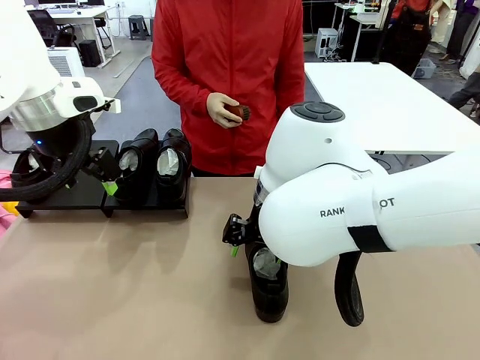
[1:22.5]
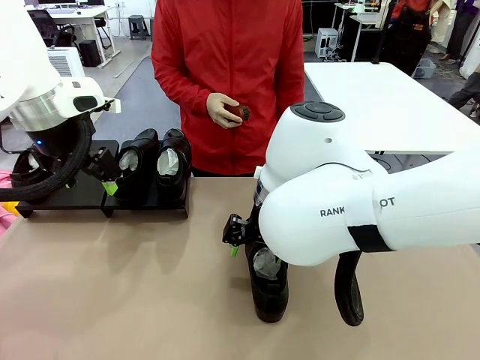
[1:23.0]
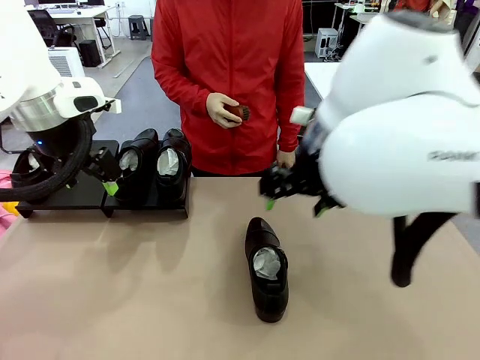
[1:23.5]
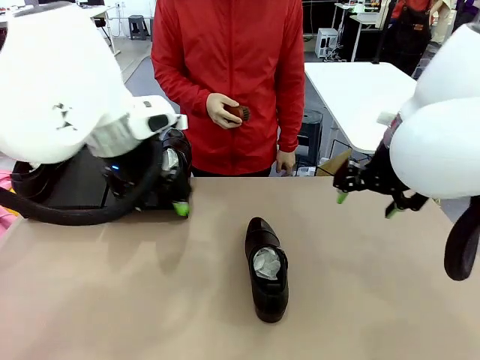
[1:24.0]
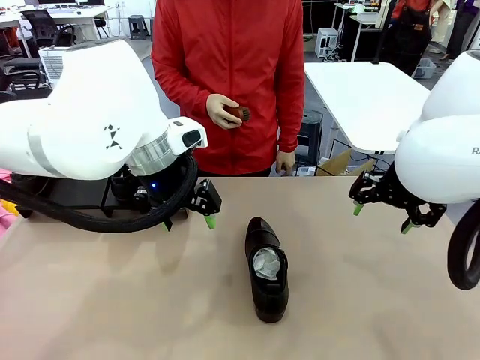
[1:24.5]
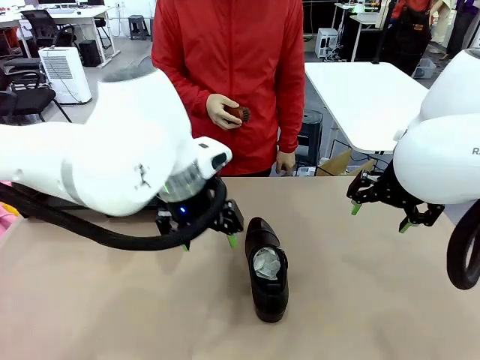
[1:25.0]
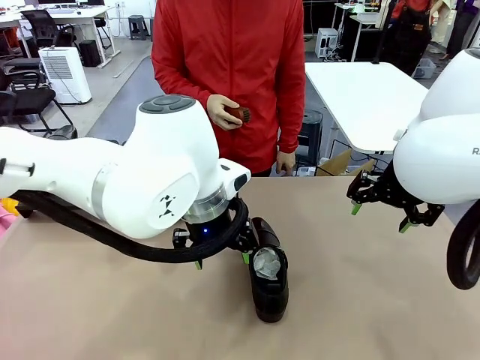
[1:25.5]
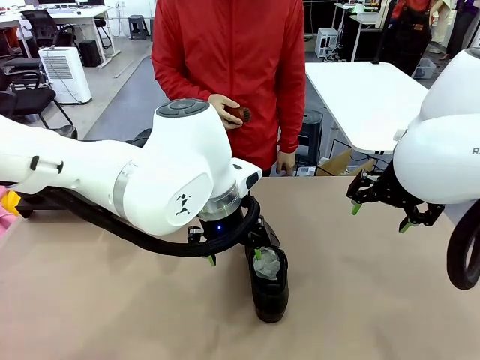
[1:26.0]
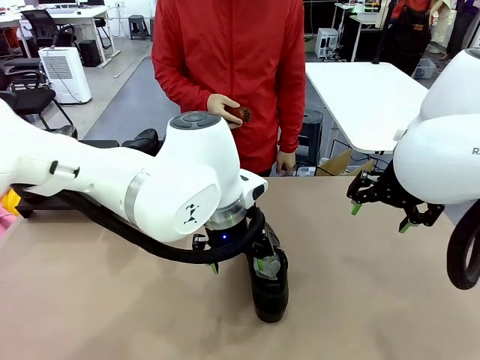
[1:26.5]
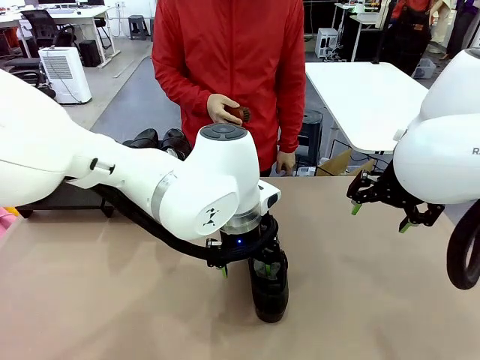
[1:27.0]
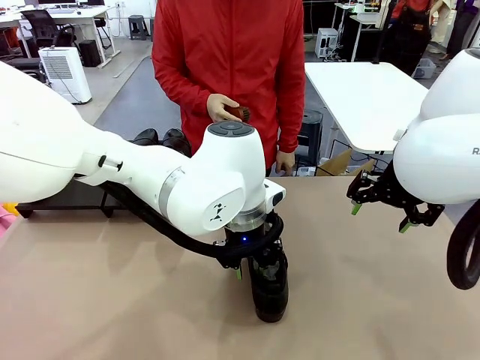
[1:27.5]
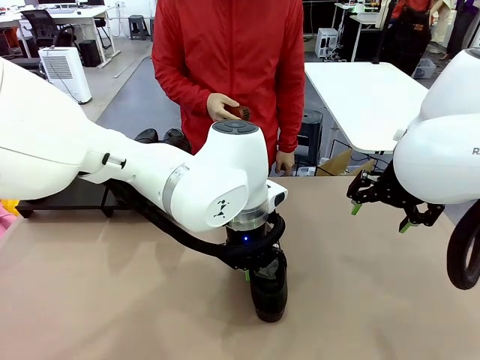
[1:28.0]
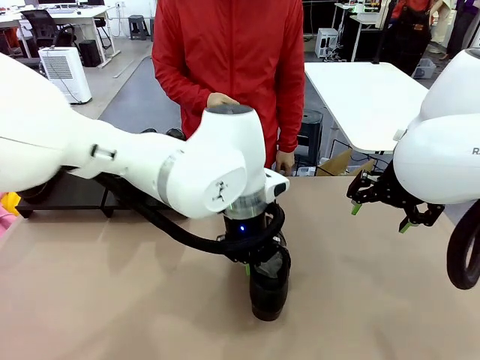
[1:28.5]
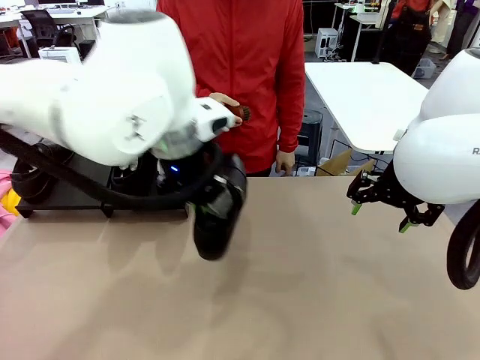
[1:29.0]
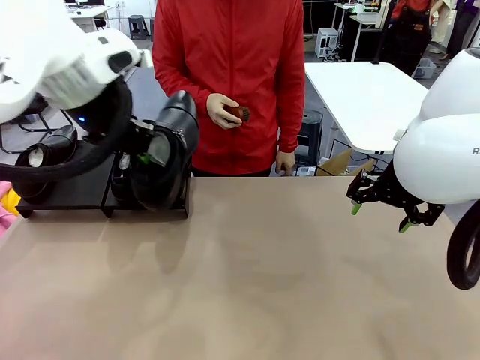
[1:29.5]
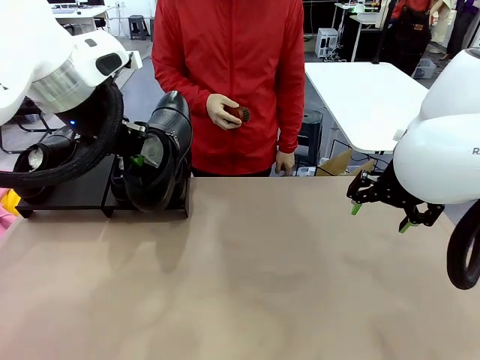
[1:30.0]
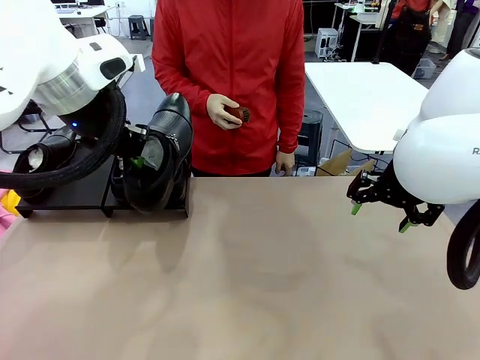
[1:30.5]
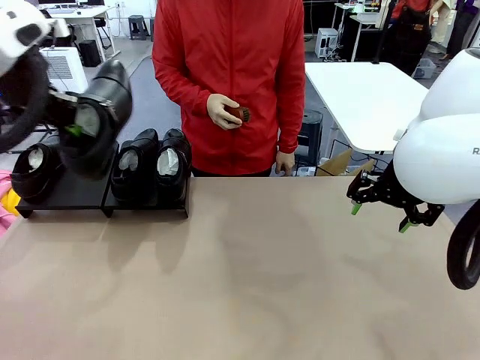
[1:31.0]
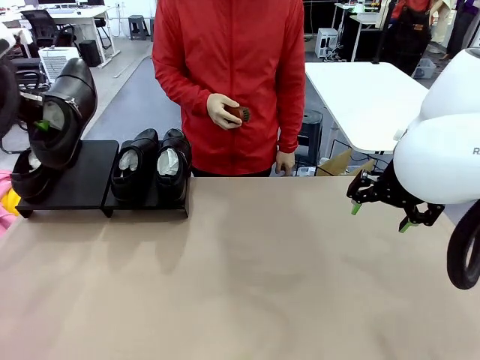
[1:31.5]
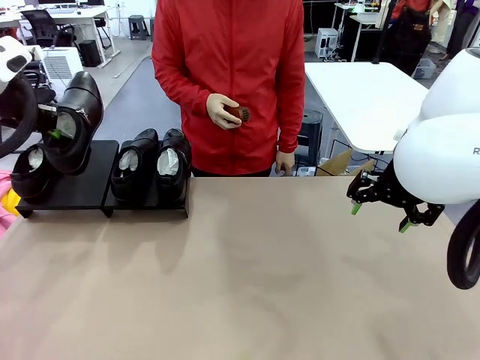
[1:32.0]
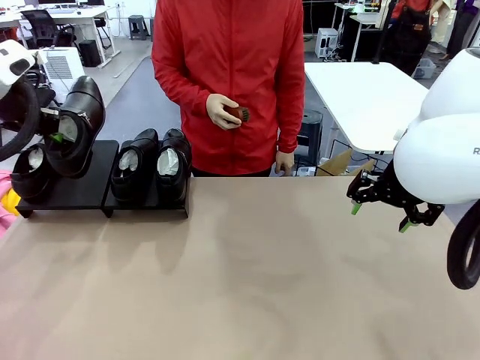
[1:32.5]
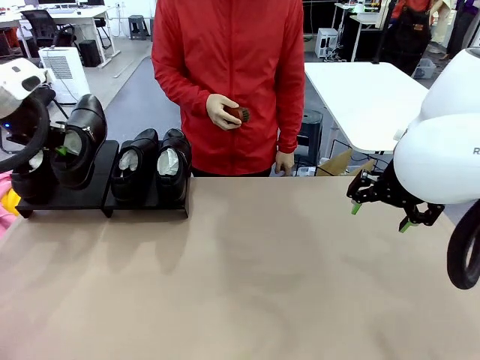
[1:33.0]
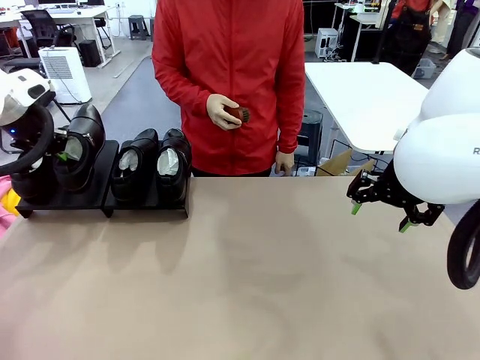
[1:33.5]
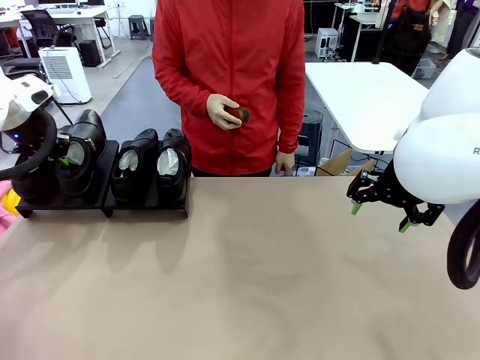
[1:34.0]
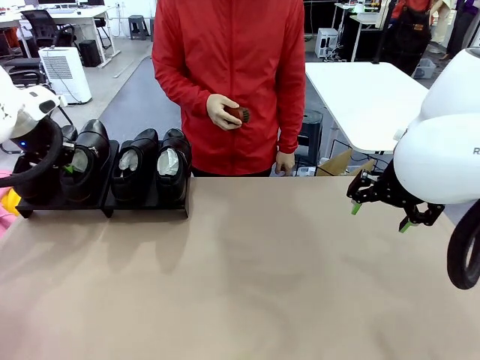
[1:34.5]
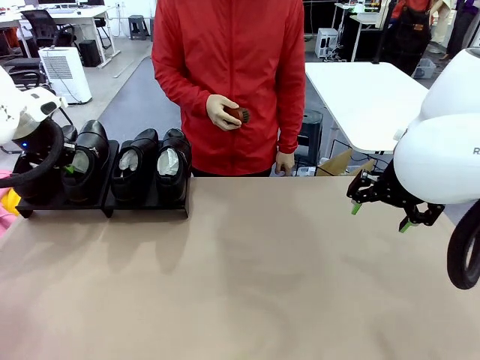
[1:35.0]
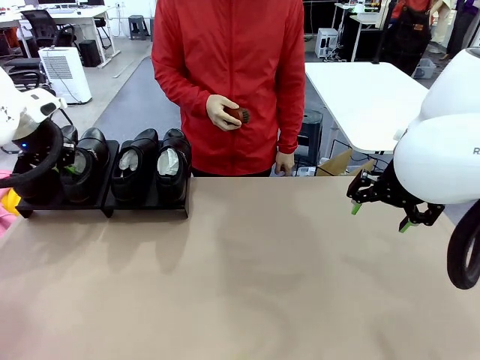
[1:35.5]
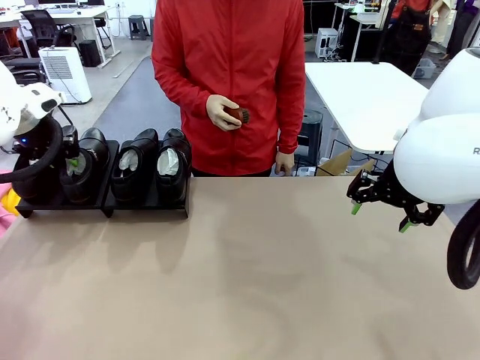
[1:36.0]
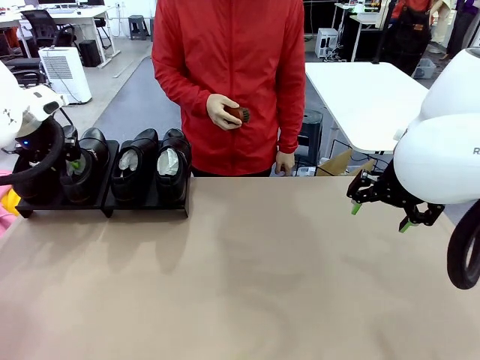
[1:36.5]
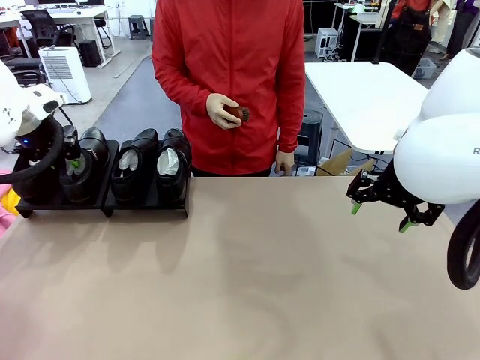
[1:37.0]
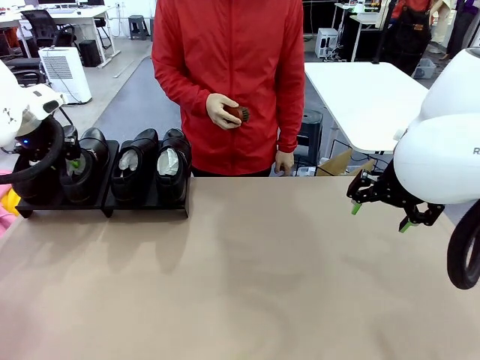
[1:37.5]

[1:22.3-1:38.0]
Task: Organize the shoes by placing them on the stand.
Robot: Place the Shoe from the middle of the table onto the Shoes Stand.

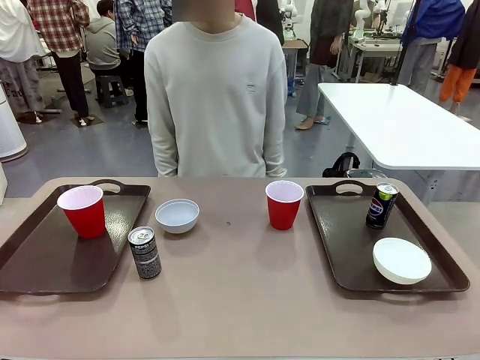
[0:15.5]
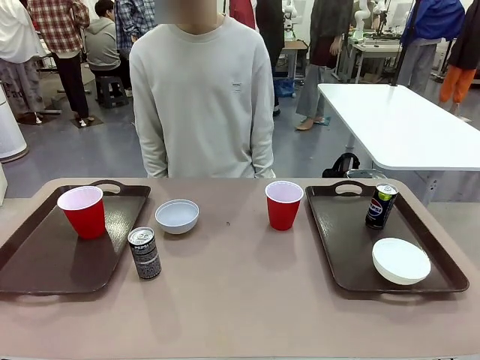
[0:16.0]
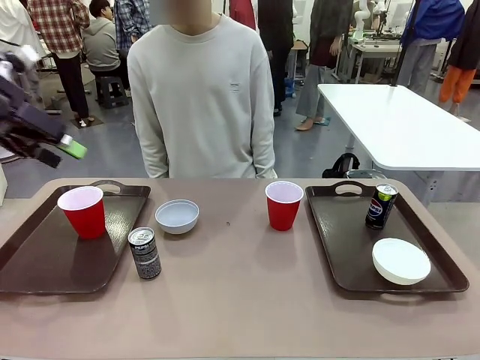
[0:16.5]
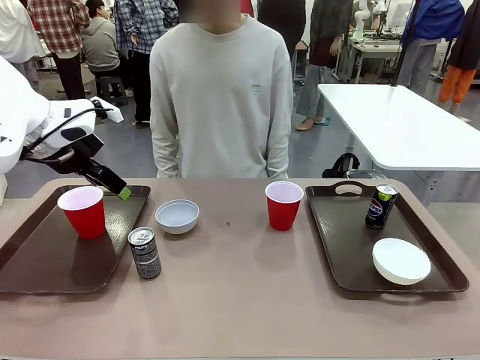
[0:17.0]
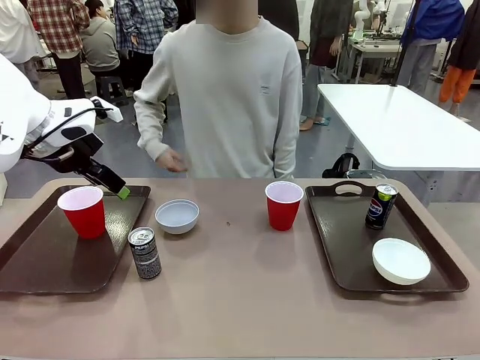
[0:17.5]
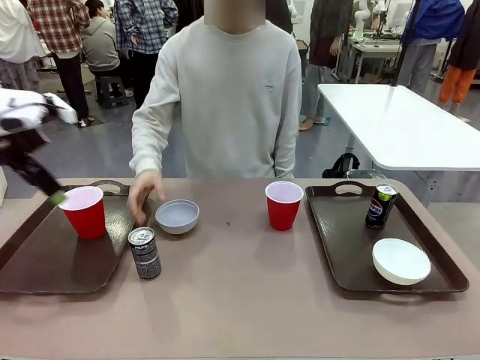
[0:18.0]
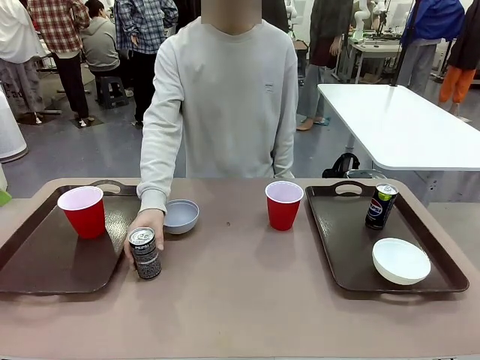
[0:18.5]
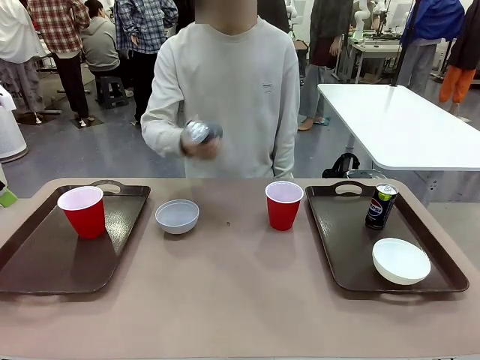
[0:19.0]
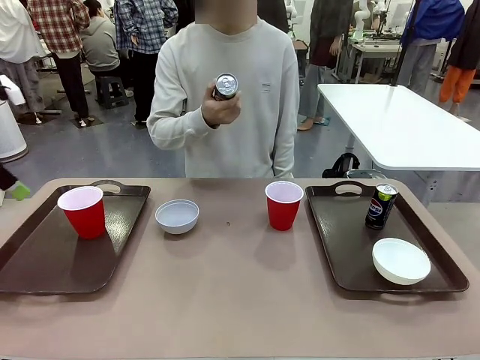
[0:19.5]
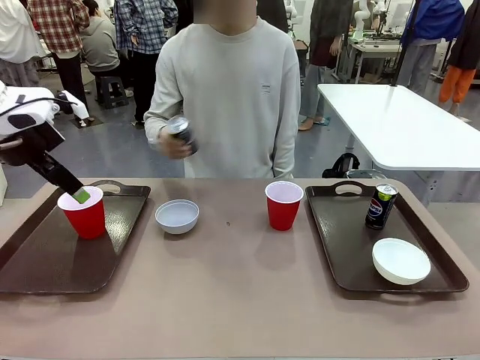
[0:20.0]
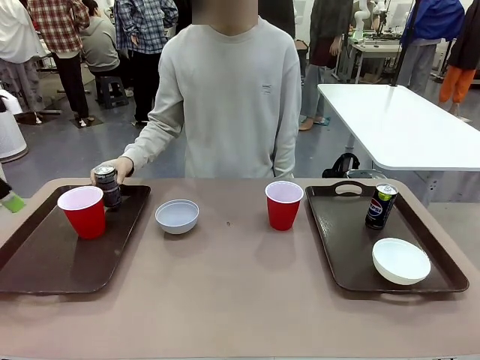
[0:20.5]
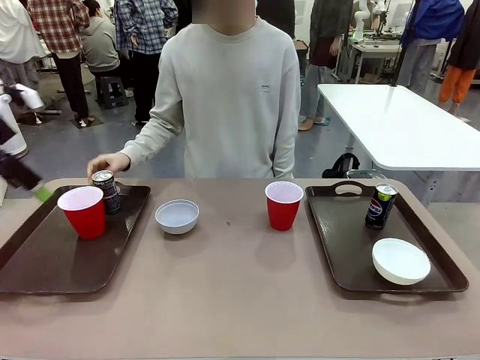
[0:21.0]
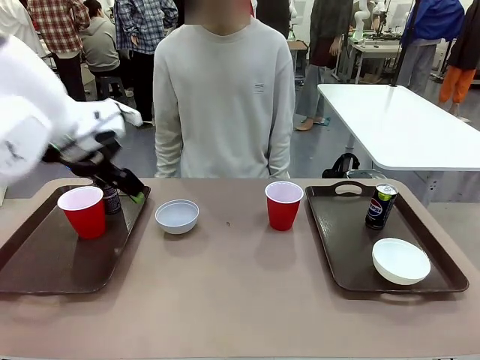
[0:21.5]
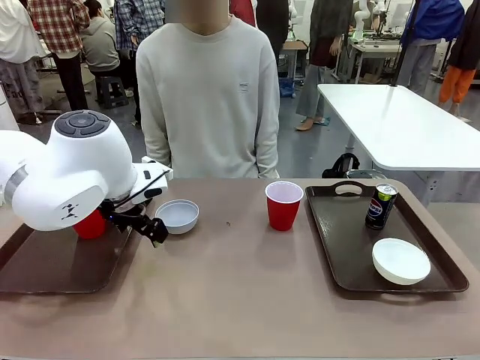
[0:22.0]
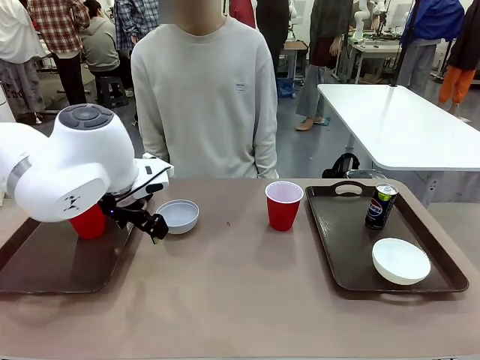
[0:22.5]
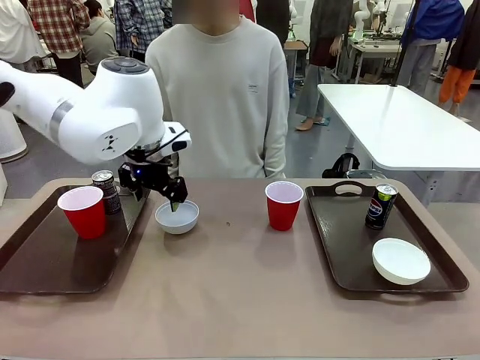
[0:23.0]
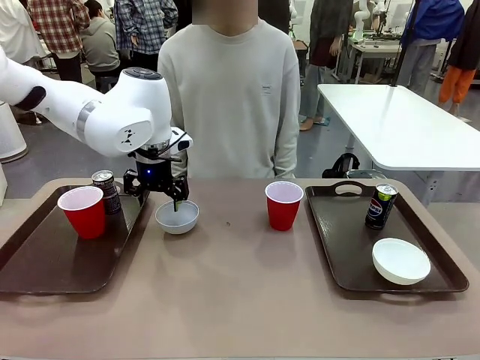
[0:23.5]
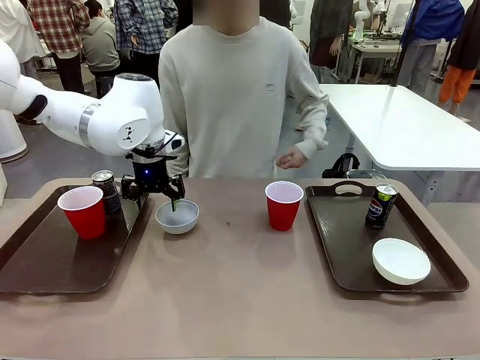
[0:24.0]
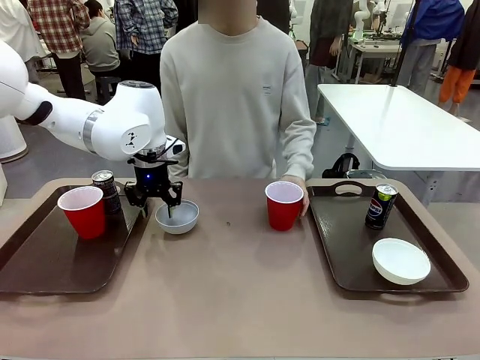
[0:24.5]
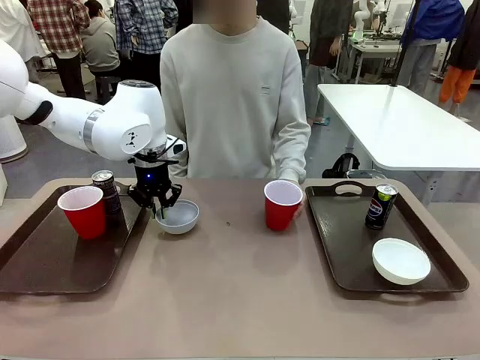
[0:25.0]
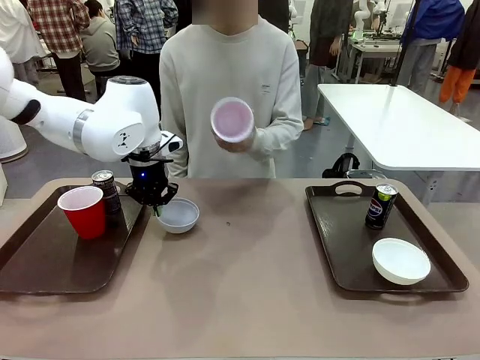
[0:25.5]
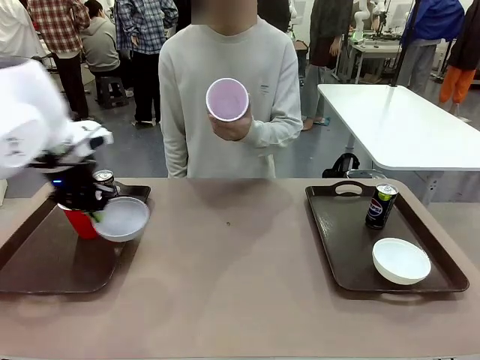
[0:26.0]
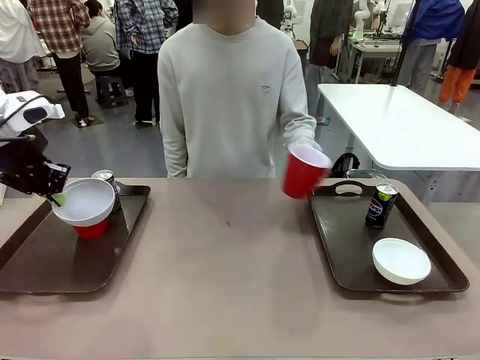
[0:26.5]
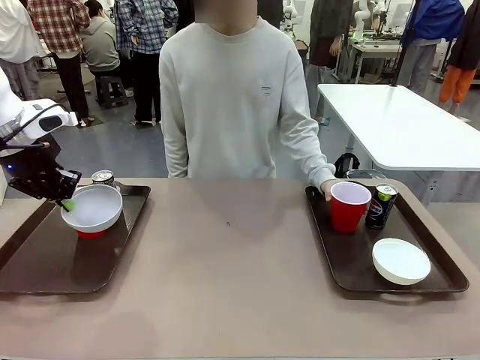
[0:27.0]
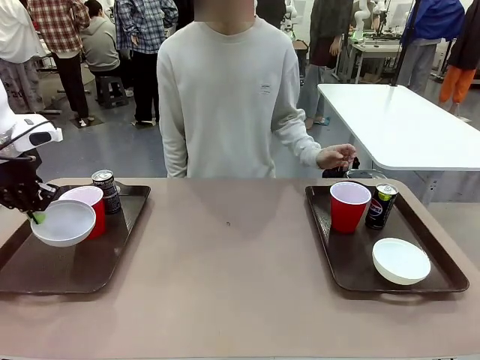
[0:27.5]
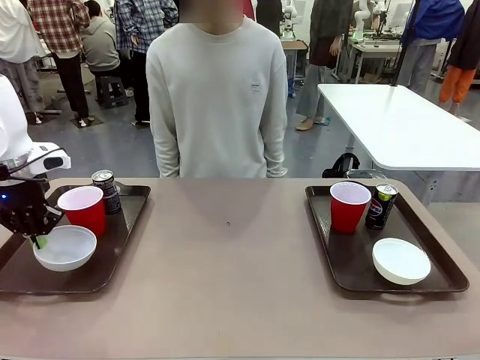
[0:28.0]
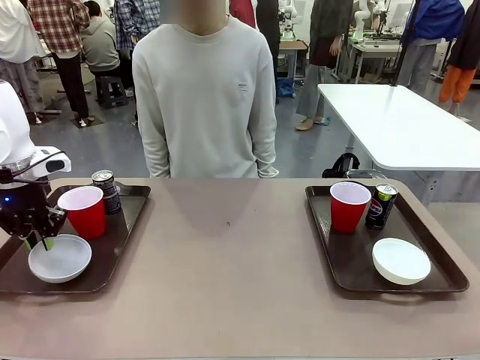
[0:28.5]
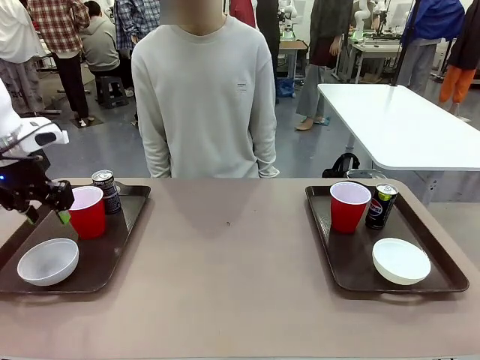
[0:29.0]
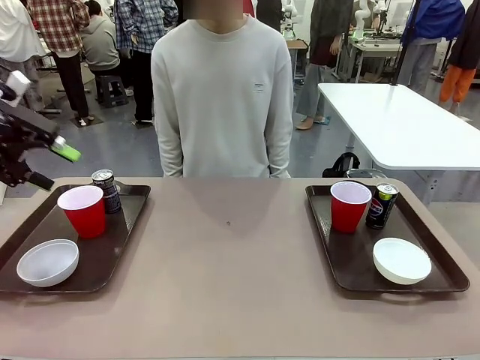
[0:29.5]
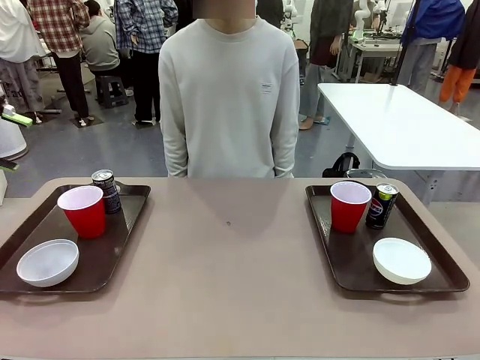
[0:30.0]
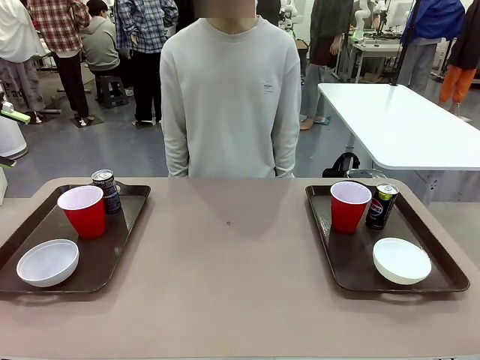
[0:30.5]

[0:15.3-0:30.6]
Task: Prepare tableware on both trays.
Robot: Pick up a Picnic Bowl from the table and place it on a Handle tray.
Person: Pick up a can or cup and place it on the tray without a can or cup.
